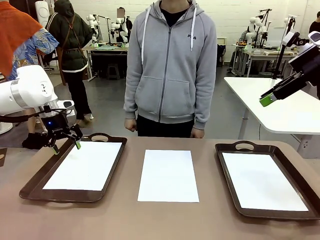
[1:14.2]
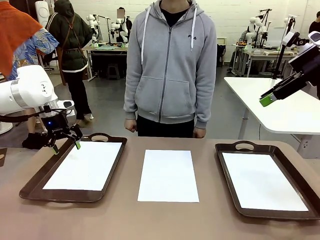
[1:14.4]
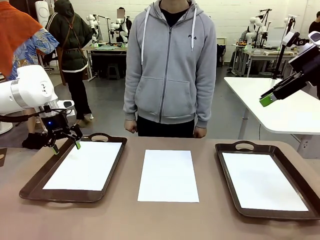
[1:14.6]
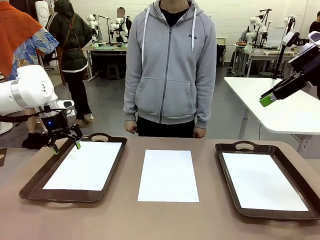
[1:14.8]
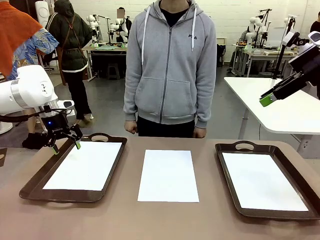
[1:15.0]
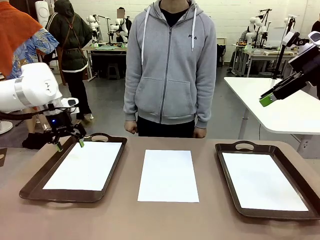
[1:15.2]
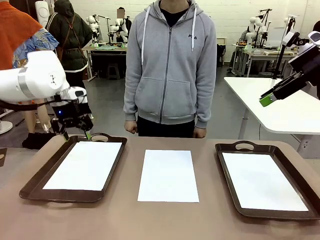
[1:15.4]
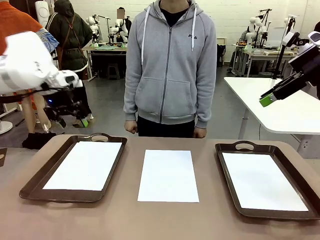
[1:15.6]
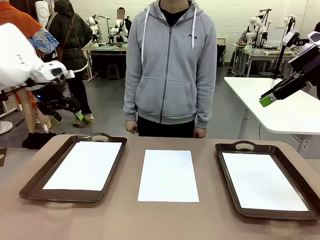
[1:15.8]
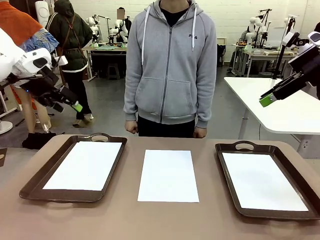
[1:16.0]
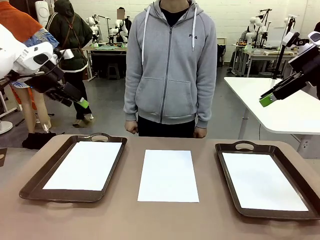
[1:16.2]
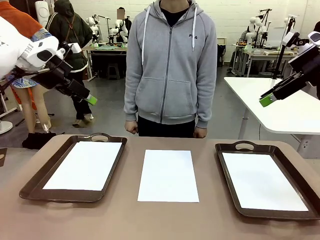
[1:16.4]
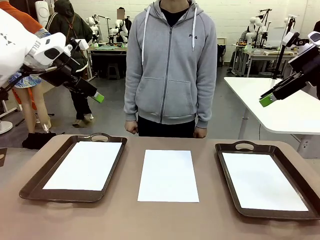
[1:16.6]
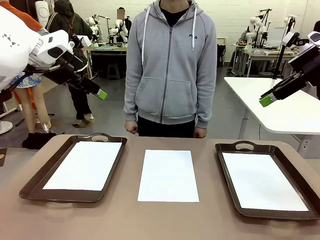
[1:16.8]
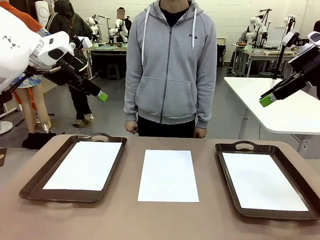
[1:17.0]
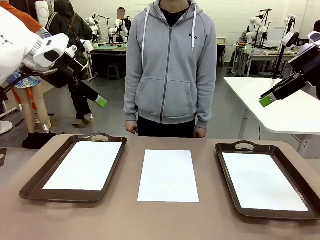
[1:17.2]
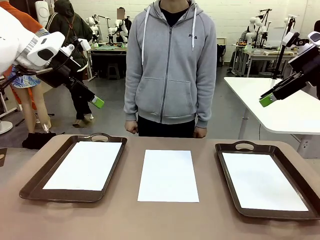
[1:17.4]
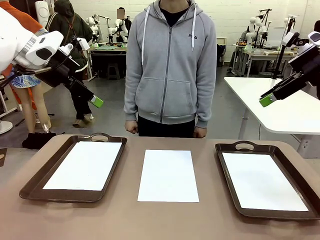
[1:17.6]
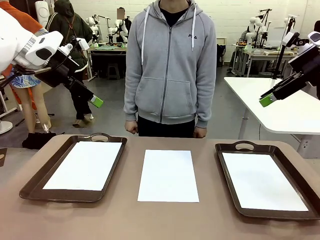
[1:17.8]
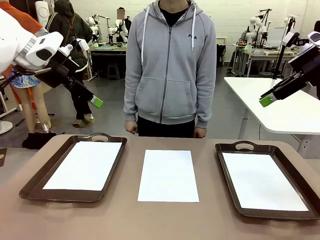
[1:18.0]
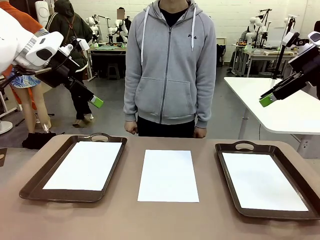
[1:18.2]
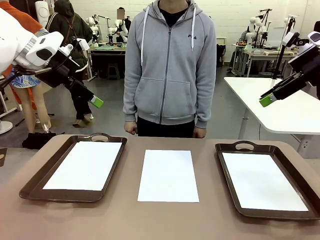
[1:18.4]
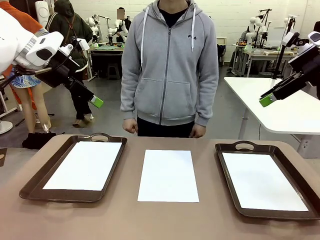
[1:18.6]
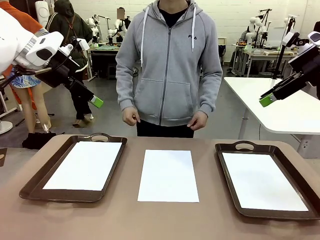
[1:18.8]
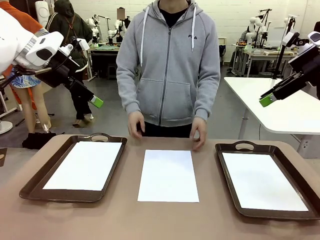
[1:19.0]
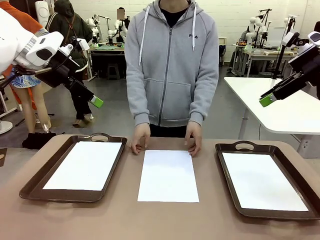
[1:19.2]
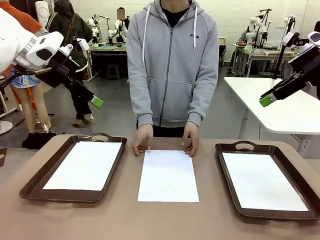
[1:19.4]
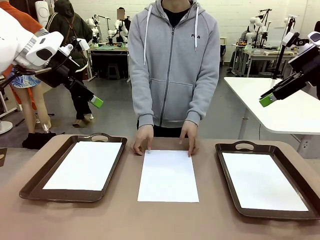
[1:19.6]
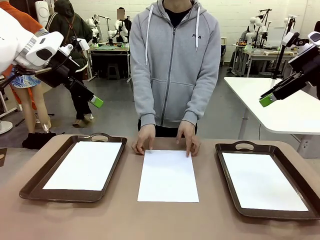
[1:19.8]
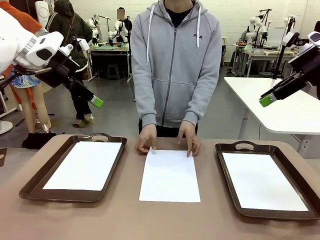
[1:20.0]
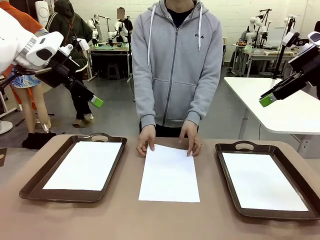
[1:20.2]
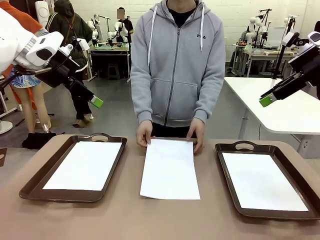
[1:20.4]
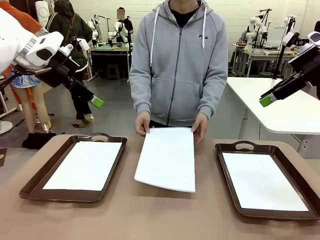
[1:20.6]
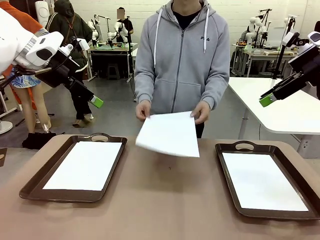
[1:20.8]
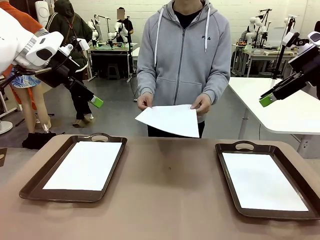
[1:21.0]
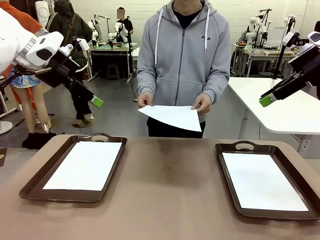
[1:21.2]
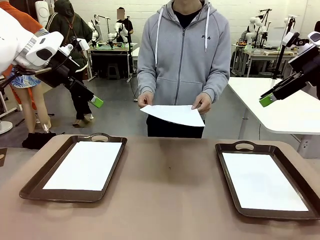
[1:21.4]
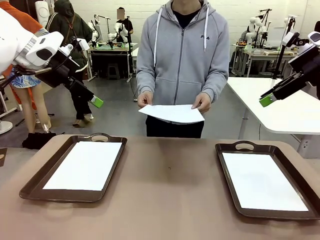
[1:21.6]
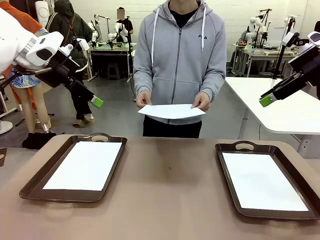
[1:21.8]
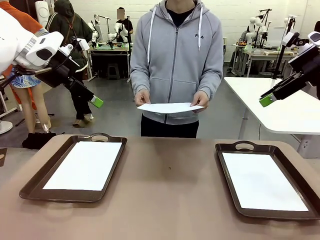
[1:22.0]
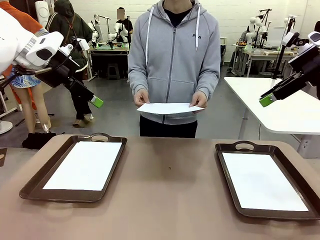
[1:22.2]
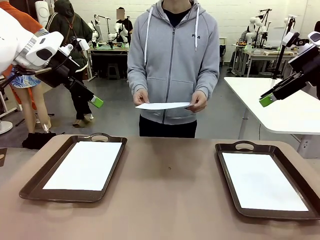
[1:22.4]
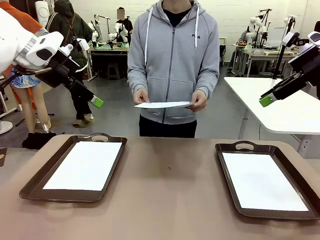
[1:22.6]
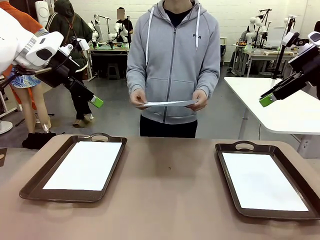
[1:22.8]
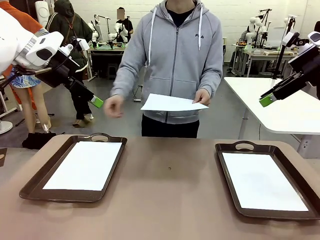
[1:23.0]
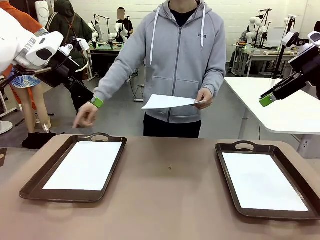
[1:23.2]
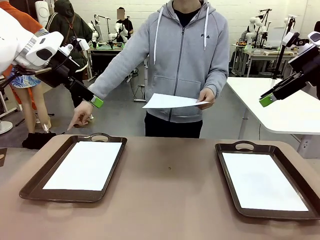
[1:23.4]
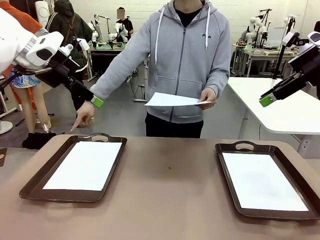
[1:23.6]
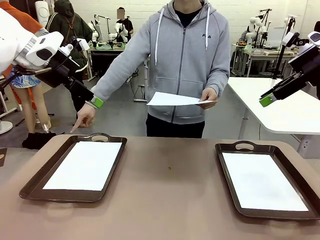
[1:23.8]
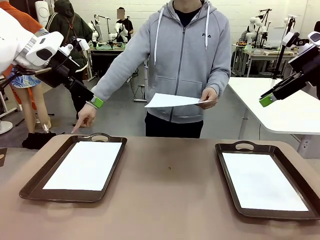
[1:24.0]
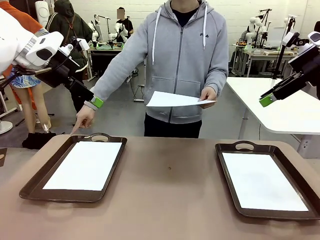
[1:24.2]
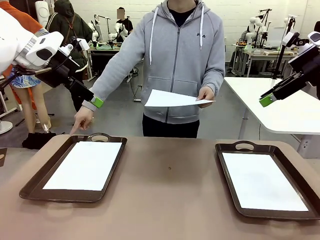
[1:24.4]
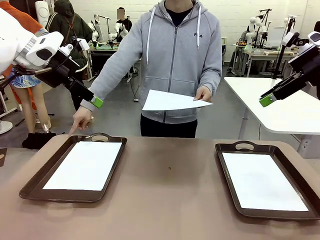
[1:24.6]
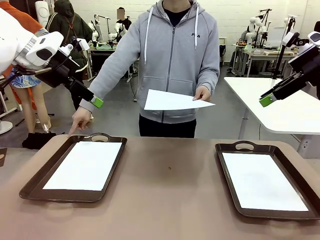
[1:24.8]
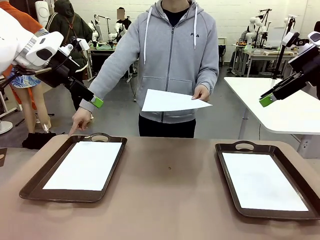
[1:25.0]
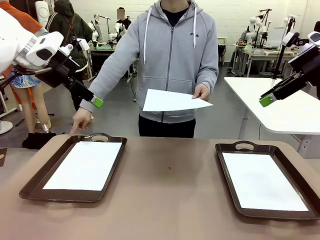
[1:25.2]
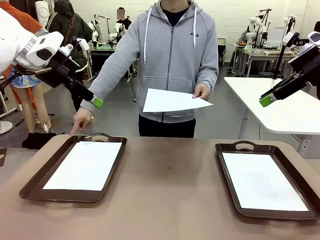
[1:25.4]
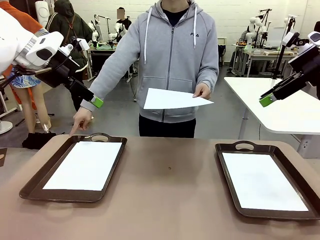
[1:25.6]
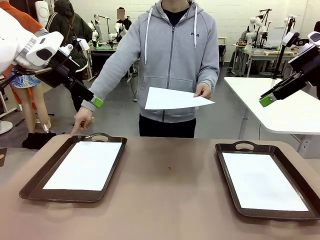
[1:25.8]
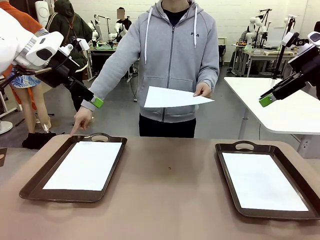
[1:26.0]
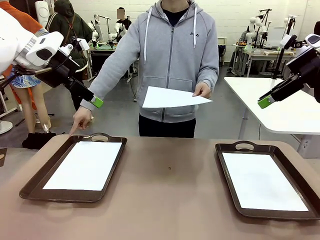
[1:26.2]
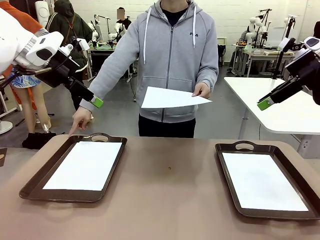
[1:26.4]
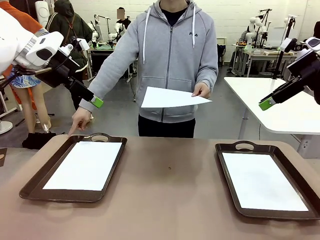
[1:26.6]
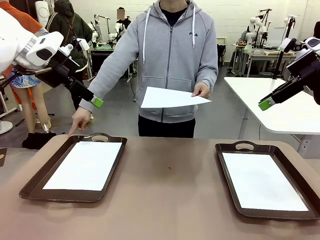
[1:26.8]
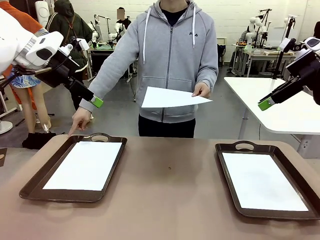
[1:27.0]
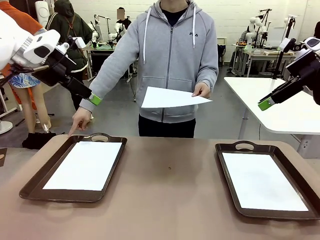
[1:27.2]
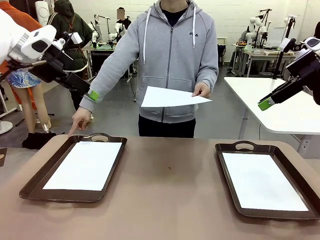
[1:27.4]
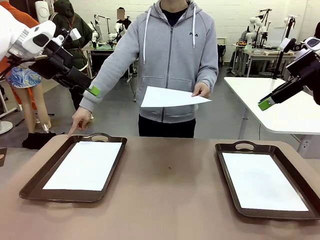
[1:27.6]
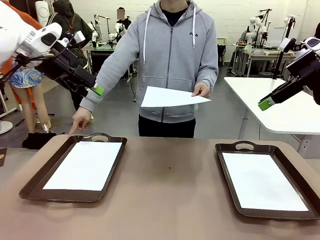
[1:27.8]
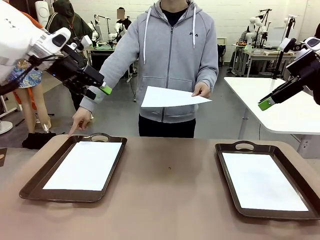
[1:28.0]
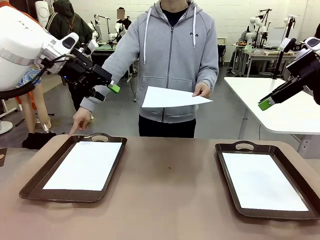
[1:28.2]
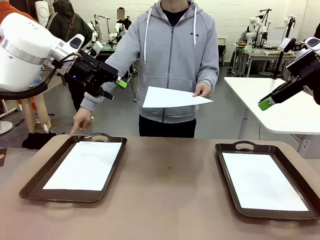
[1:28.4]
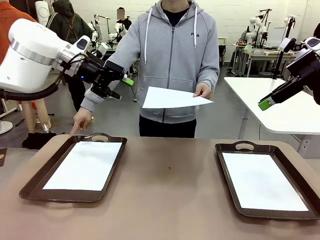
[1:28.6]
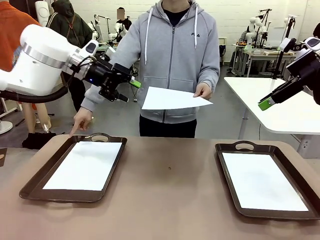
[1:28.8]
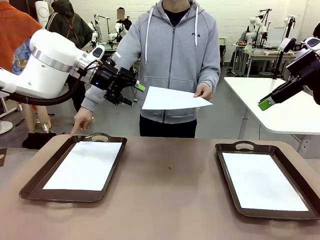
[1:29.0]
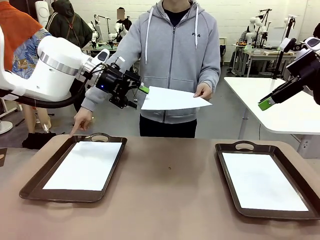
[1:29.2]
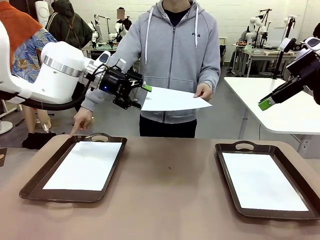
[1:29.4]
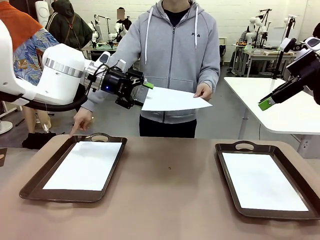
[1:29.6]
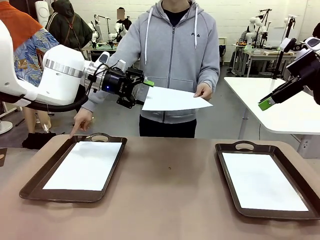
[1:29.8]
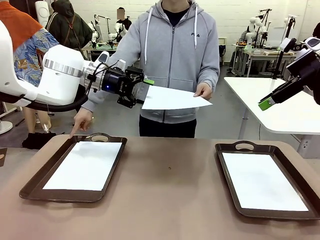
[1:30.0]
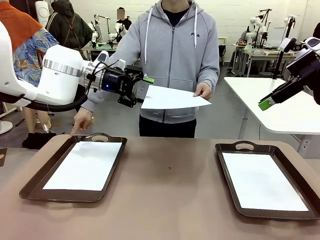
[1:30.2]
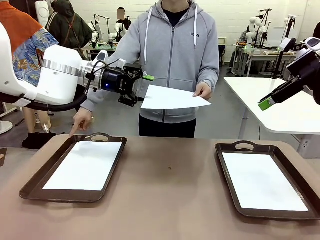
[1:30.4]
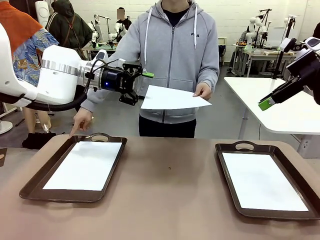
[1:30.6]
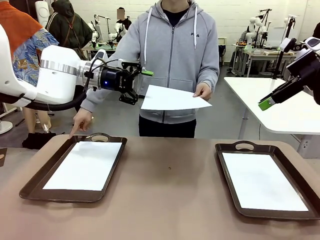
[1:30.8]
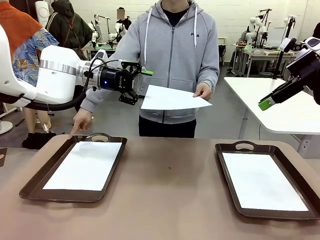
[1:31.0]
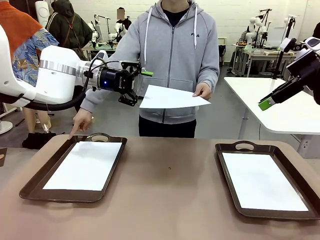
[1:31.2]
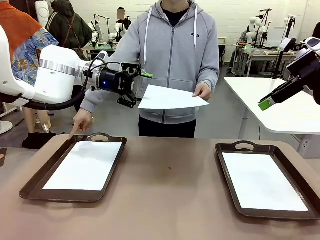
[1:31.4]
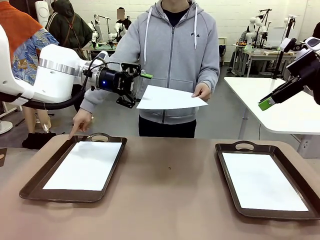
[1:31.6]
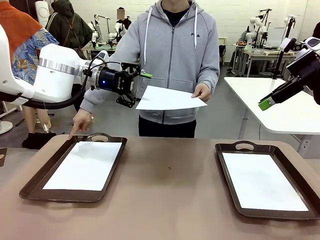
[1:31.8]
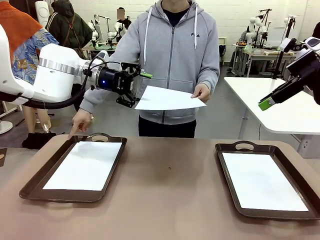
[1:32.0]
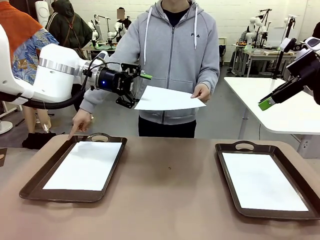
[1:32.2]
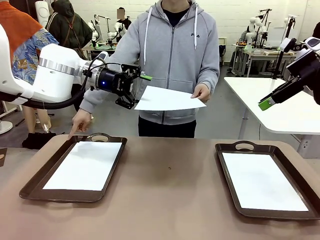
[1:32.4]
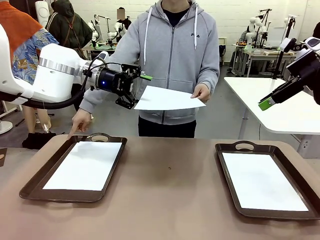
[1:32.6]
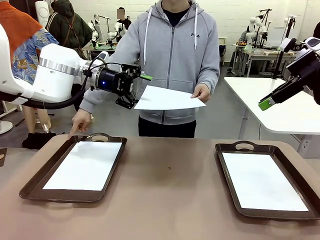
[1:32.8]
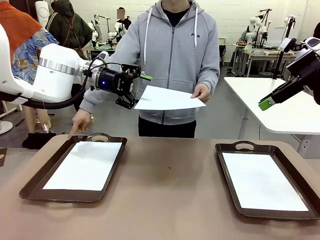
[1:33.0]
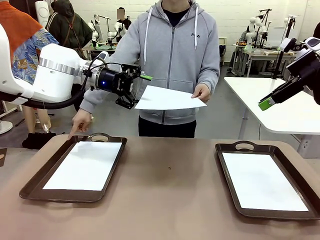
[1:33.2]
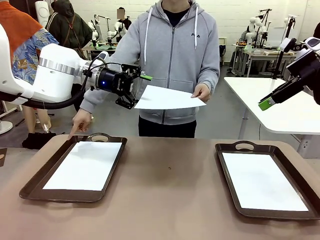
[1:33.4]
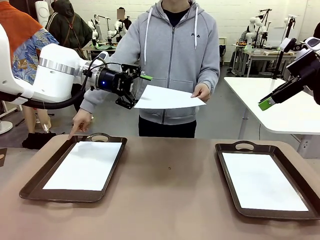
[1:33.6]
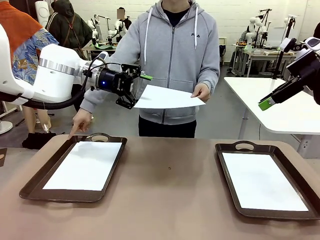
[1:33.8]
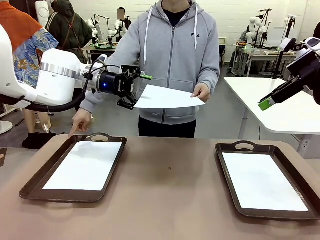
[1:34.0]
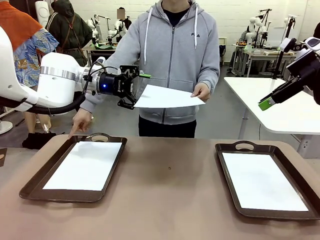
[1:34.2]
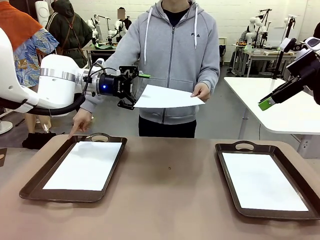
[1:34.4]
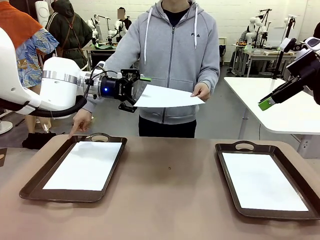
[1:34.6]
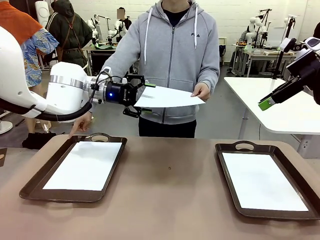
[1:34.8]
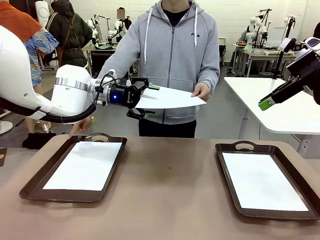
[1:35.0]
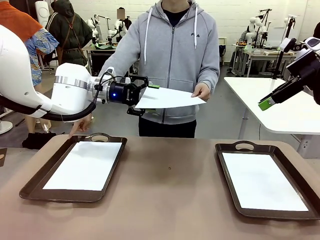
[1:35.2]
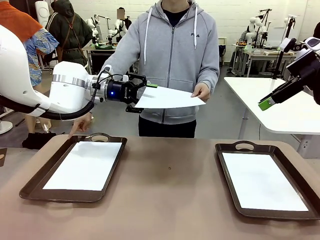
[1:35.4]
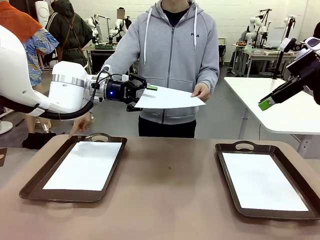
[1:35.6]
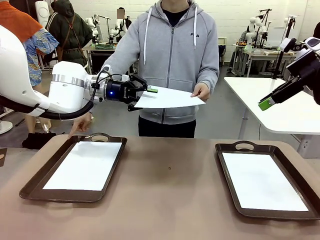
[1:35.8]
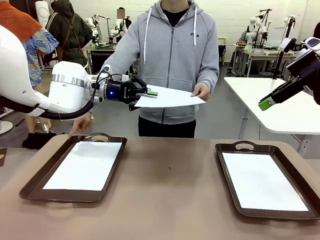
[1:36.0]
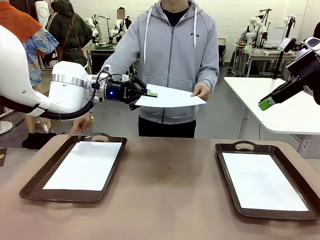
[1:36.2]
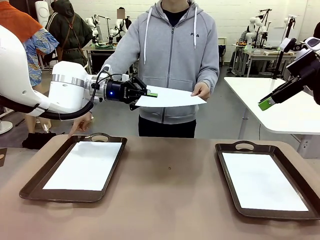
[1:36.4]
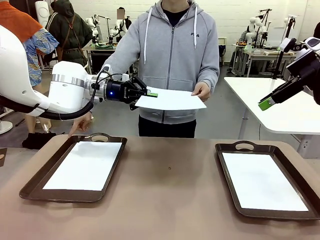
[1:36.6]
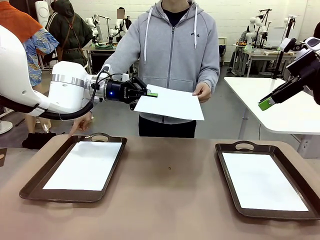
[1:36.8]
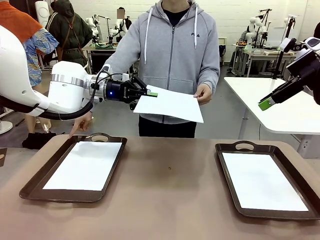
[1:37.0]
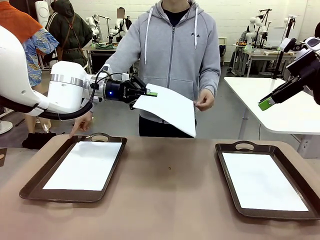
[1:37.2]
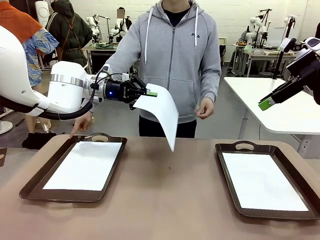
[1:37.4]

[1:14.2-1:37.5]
Task: Sort the A4 documents.
Robot: Receive the A4 Paper.
Person: Point the randomly selected tray with the other hand.
